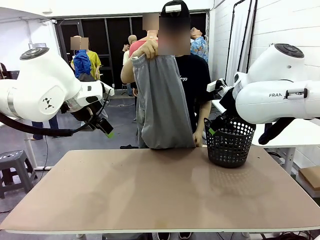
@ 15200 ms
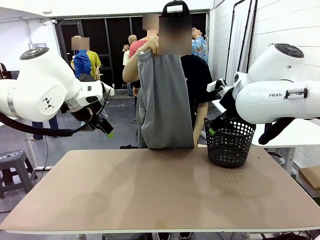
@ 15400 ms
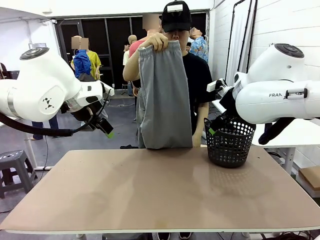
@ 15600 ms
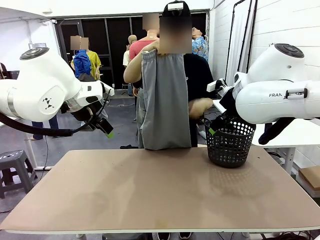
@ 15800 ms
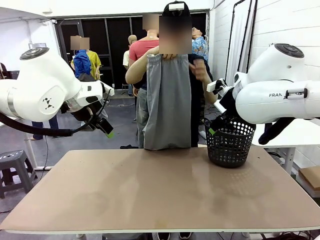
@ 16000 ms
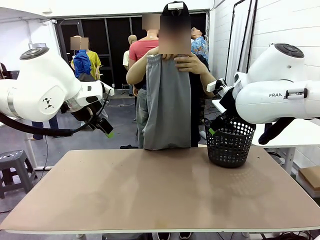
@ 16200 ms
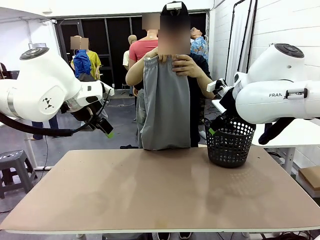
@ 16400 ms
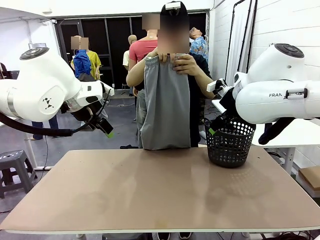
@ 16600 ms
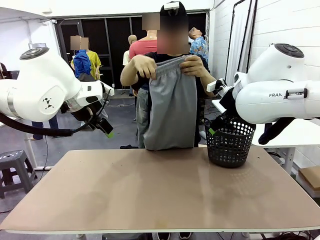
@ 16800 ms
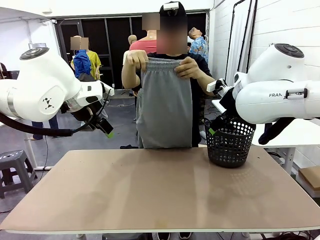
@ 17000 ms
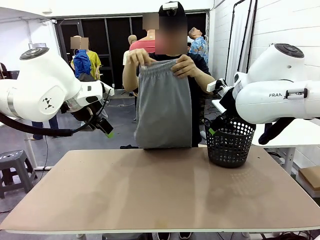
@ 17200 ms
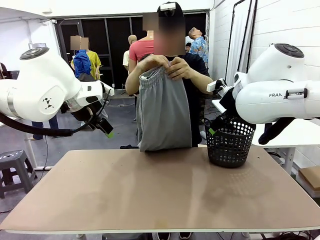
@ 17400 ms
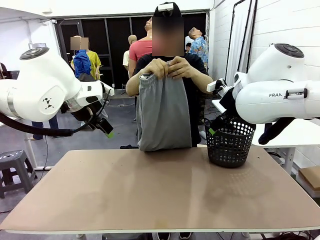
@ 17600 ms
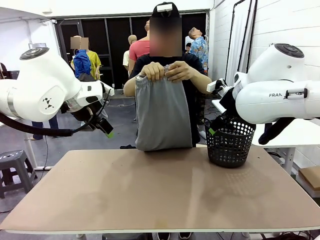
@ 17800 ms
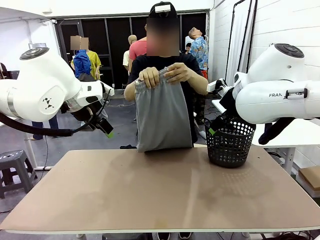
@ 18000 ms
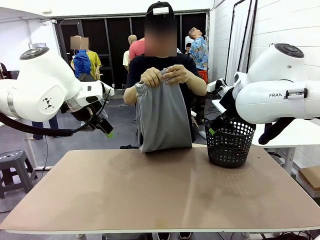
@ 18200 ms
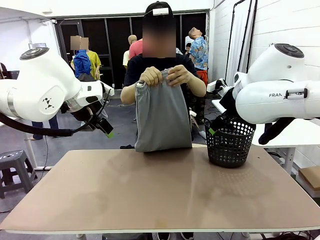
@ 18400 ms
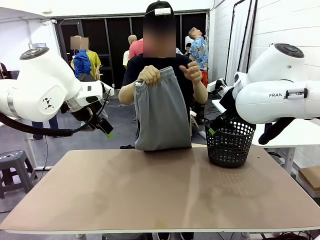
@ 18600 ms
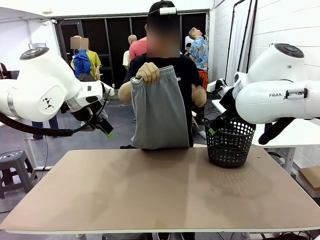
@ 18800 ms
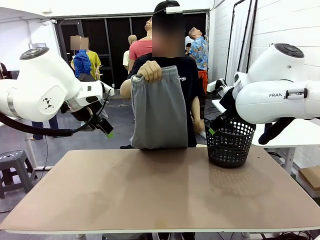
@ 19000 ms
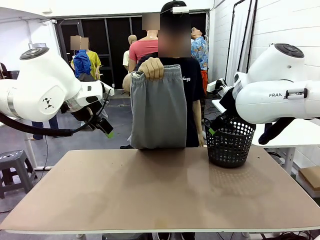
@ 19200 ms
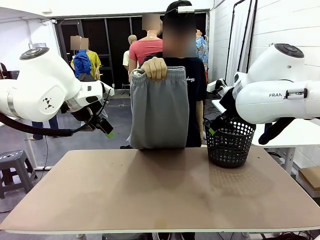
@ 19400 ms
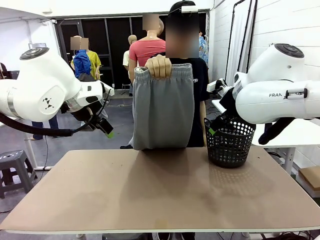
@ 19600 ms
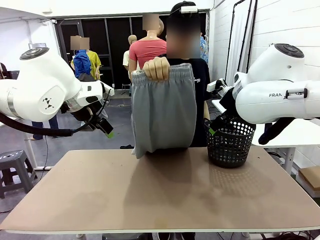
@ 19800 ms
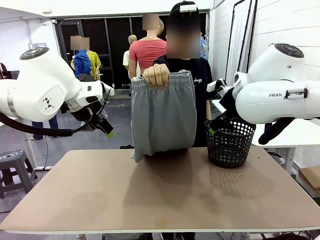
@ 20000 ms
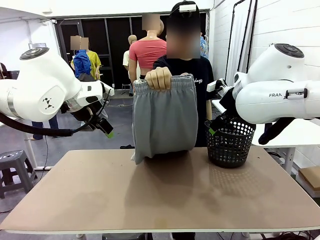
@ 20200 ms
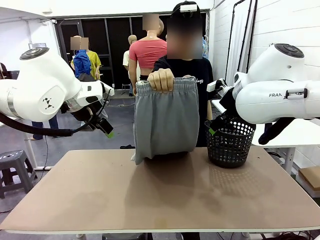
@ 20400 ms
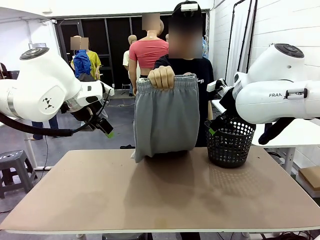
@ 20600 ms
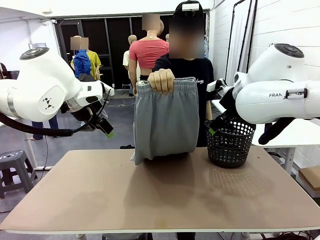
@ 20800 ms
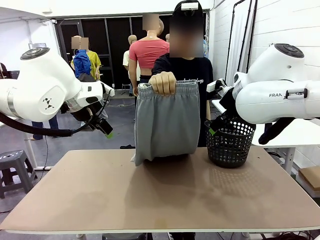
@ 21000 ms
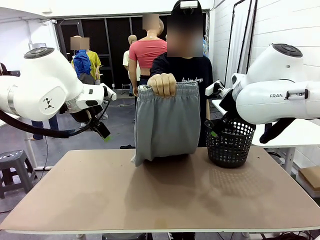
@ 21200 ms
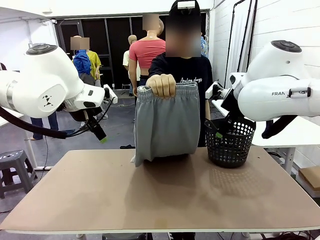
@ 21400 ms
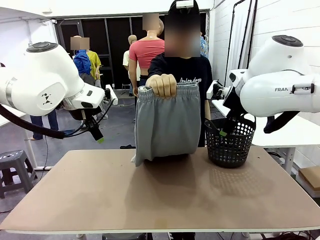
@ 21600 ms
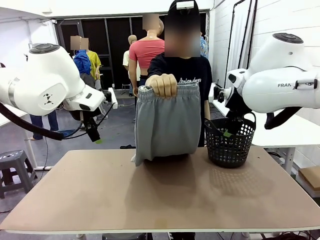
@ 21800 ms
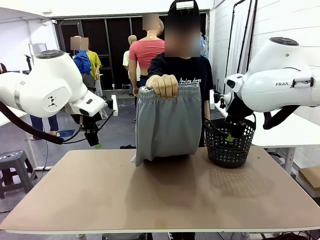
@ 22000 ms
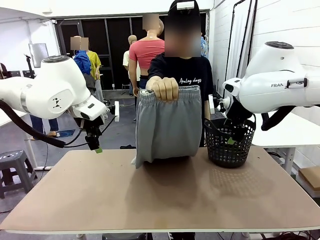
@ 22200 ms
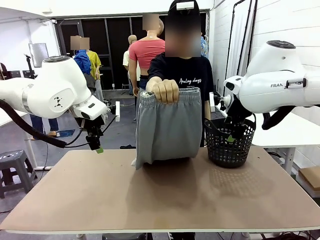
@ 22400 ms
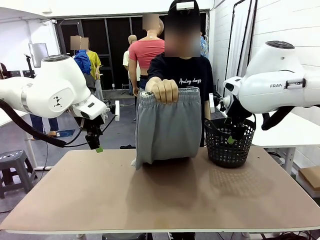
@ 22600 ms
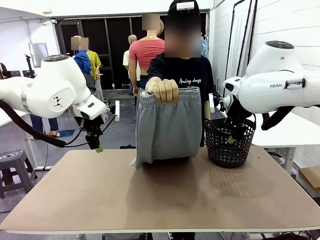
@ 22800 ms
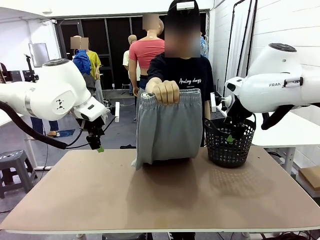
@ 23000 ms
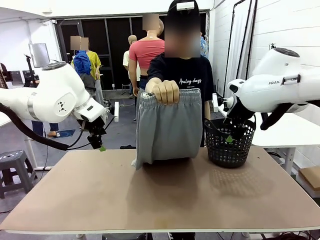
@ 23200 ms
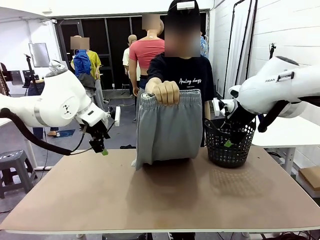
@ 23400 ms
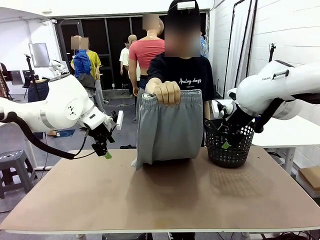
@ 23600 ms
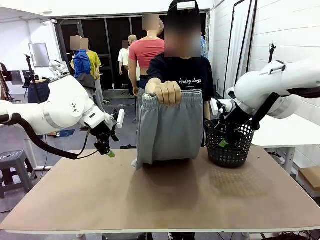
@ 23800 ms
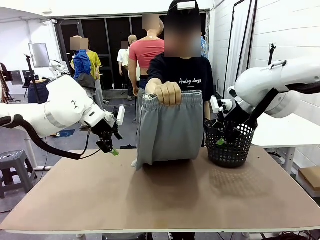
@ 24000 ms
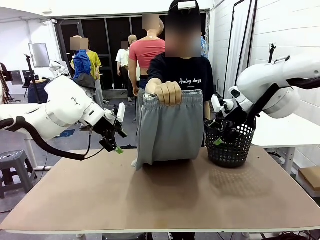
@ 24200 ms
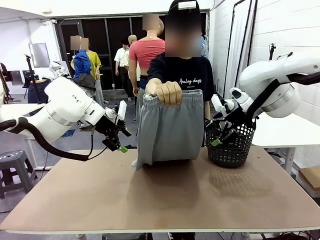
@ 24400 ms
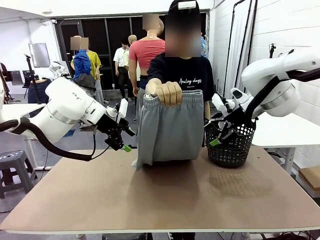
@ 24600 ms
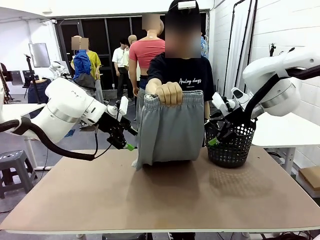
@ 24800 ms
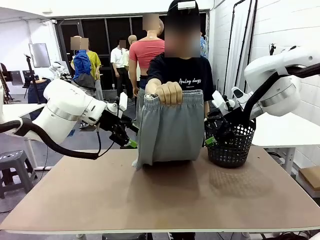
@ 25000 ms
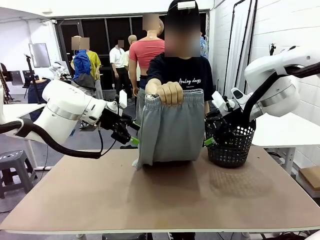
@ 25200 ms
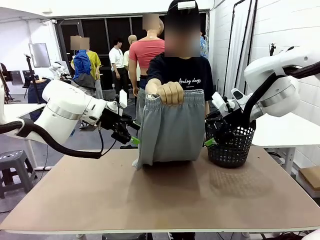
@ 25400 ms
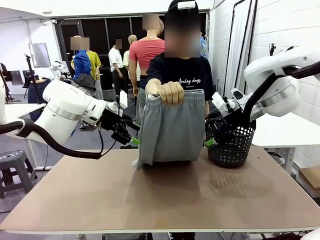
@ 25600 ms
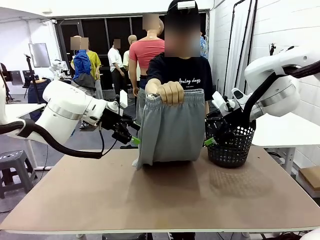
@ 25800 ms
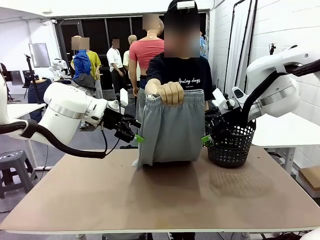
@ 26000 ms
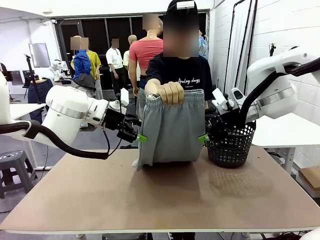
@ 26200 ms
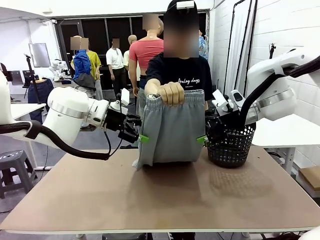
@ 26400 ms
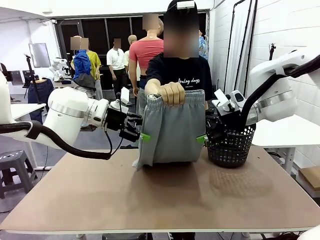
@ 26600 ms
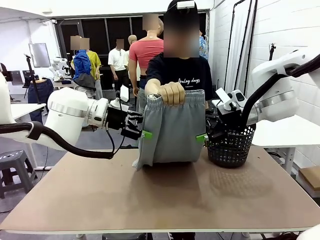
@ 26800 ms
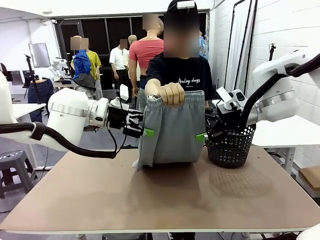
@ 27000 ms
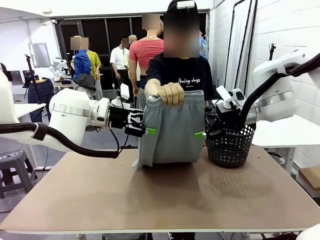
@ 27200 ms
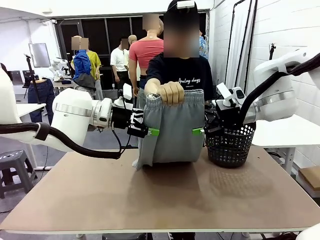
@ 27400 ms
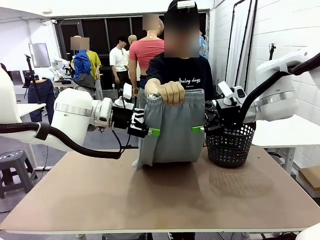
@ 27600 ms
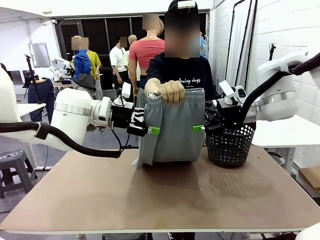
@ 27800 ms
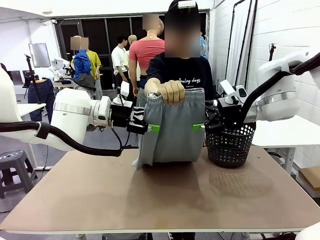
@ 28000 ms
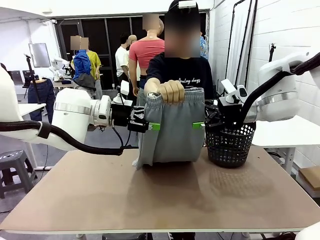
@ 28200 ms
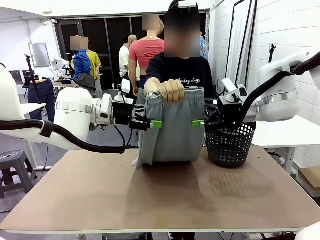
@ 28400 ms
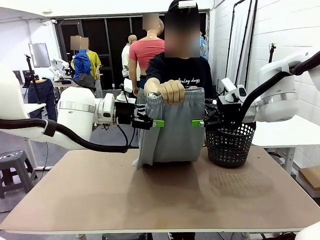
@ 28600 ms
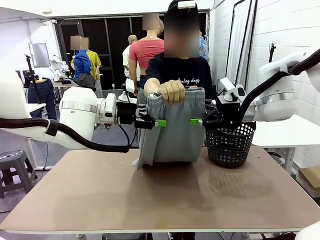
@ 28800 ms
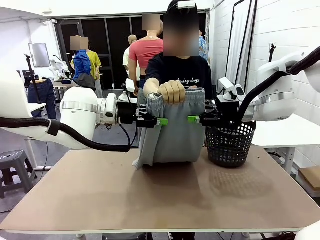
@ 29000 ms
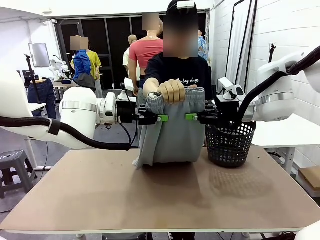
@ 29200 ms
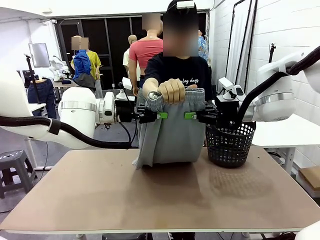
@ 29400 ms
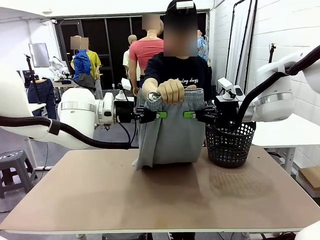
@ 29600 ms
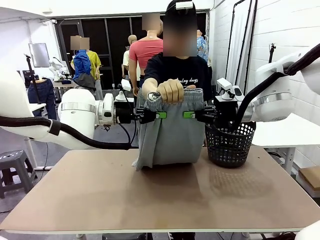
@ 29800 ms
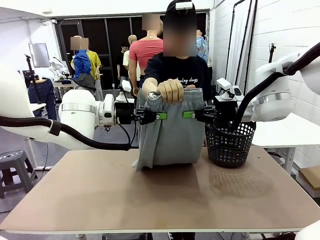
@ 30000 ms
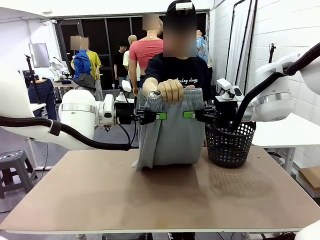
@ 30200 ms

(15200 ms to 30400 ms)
Task: Fold the training pants.
Robot: Grab both ends of the Training pants handed by a person.
